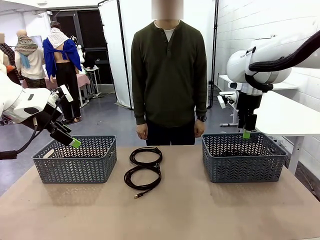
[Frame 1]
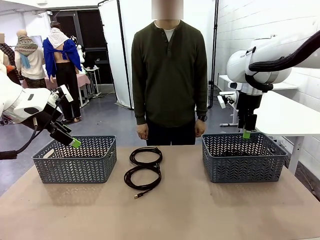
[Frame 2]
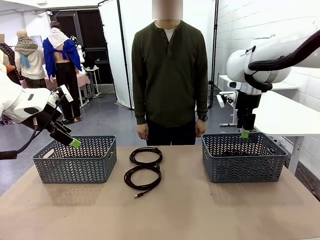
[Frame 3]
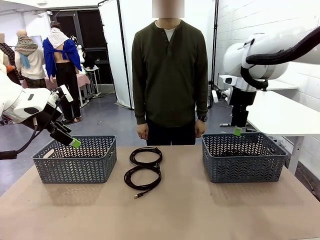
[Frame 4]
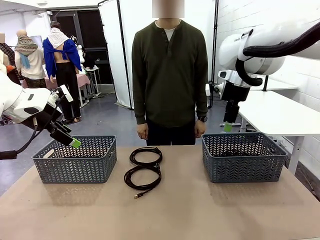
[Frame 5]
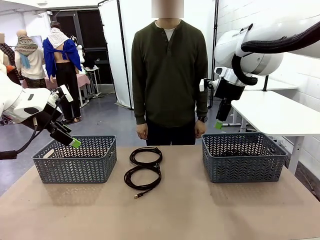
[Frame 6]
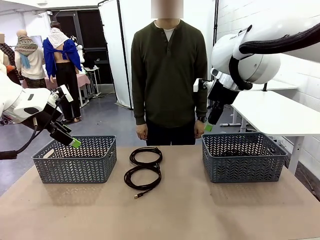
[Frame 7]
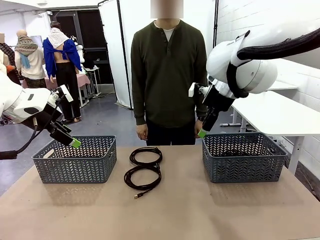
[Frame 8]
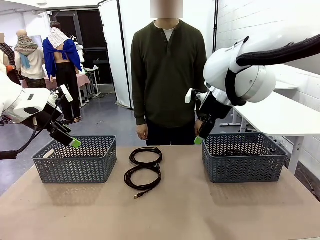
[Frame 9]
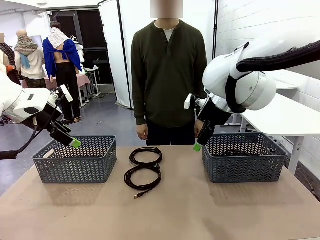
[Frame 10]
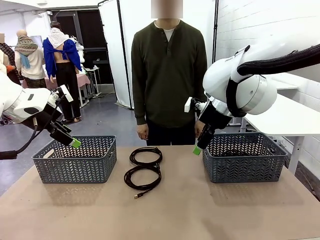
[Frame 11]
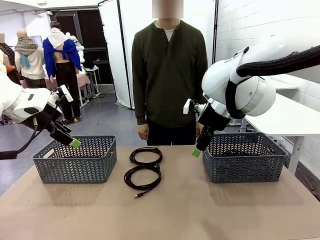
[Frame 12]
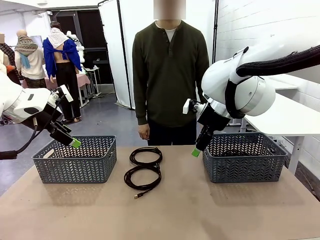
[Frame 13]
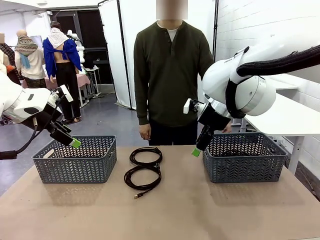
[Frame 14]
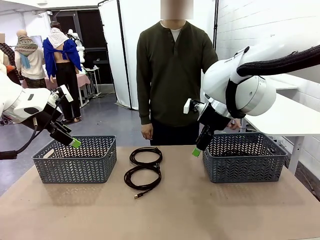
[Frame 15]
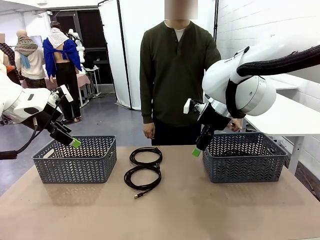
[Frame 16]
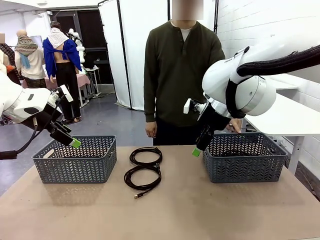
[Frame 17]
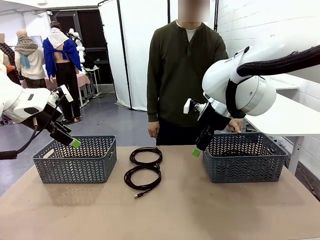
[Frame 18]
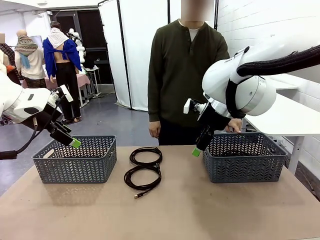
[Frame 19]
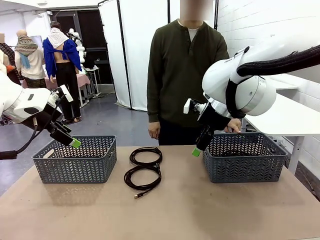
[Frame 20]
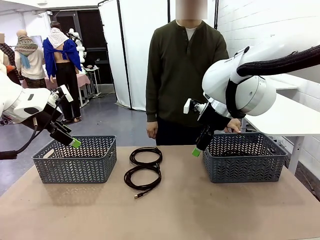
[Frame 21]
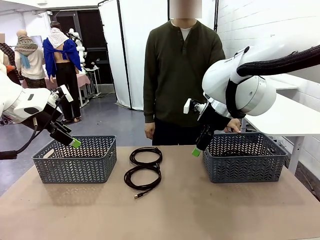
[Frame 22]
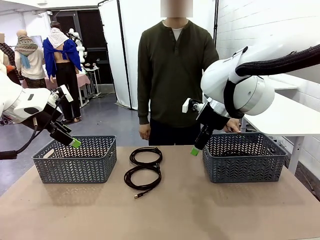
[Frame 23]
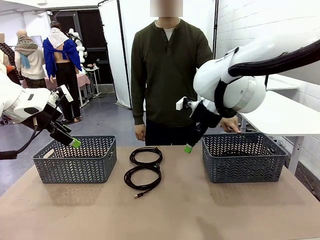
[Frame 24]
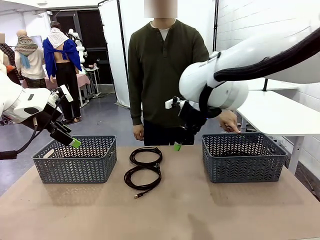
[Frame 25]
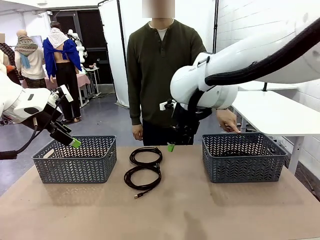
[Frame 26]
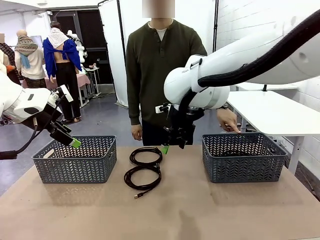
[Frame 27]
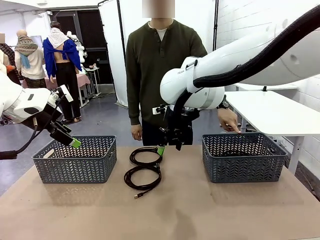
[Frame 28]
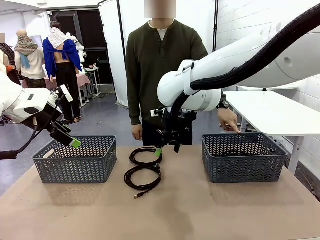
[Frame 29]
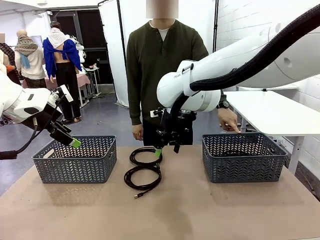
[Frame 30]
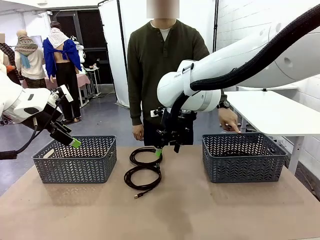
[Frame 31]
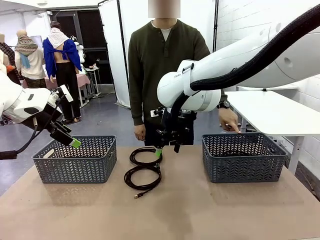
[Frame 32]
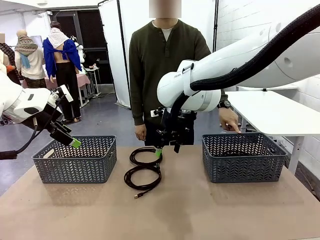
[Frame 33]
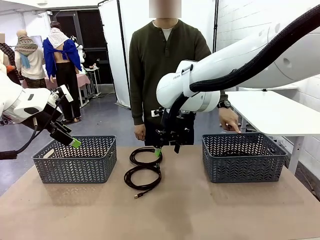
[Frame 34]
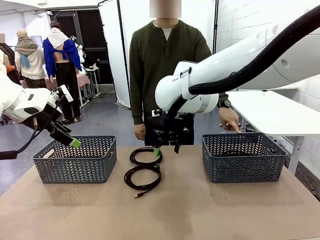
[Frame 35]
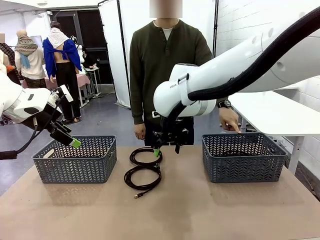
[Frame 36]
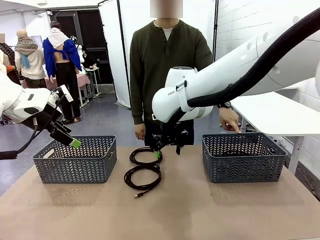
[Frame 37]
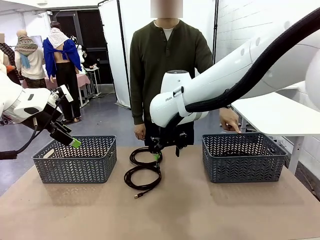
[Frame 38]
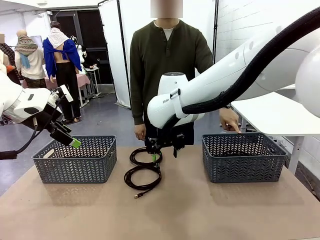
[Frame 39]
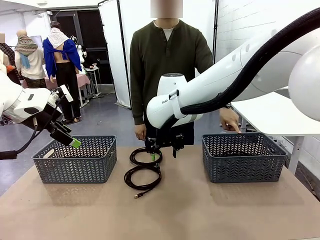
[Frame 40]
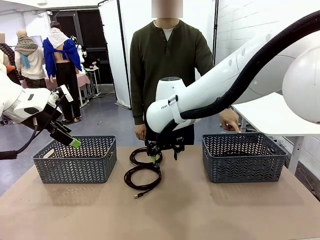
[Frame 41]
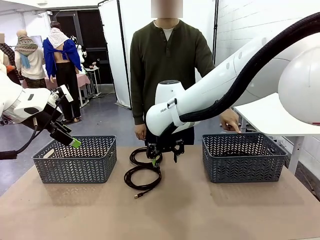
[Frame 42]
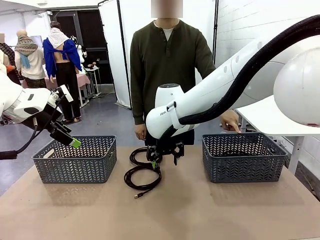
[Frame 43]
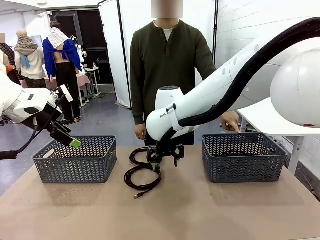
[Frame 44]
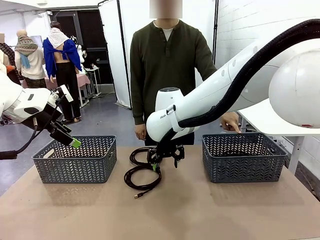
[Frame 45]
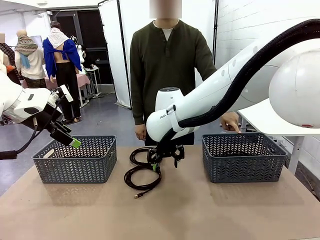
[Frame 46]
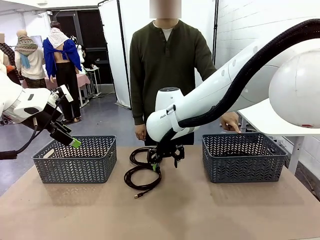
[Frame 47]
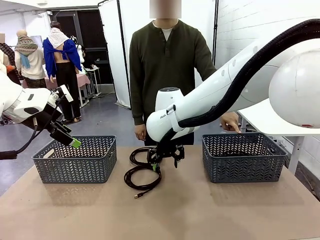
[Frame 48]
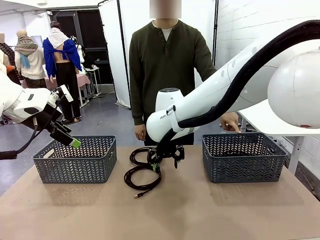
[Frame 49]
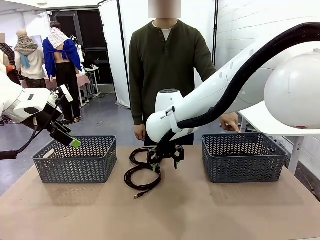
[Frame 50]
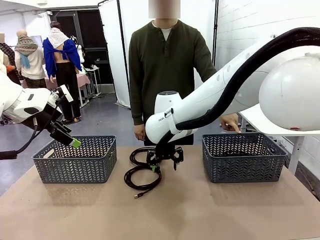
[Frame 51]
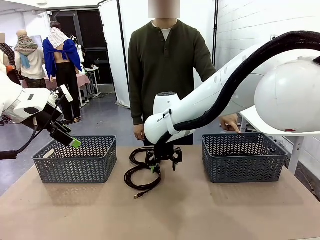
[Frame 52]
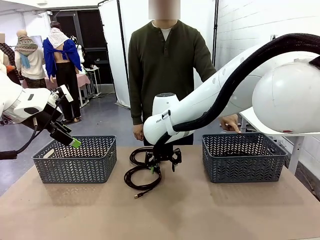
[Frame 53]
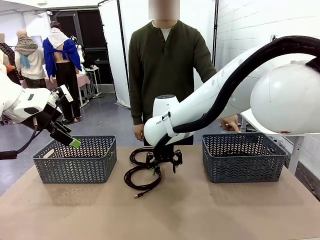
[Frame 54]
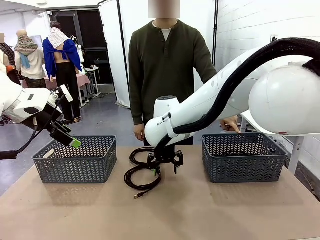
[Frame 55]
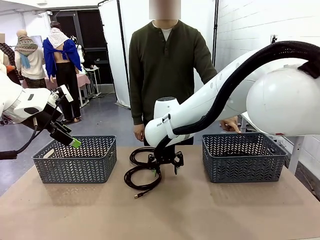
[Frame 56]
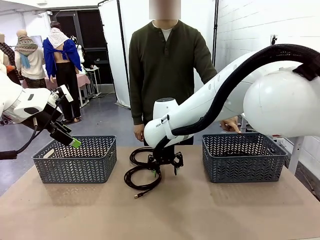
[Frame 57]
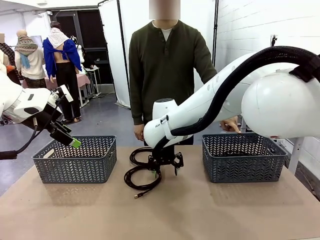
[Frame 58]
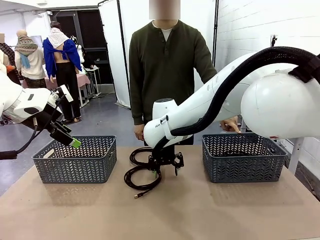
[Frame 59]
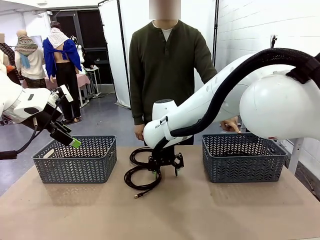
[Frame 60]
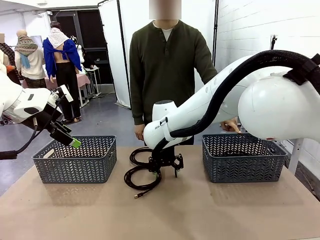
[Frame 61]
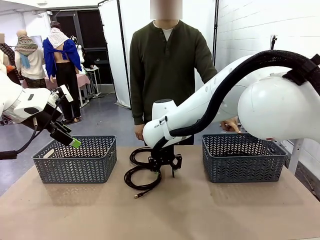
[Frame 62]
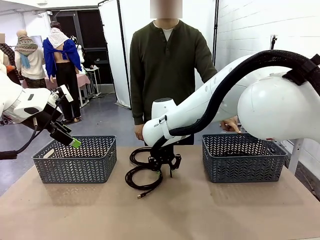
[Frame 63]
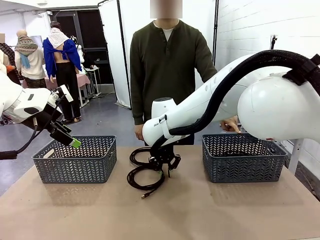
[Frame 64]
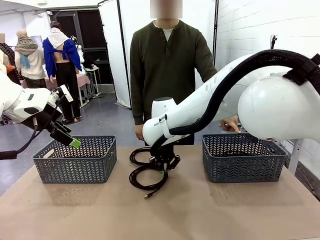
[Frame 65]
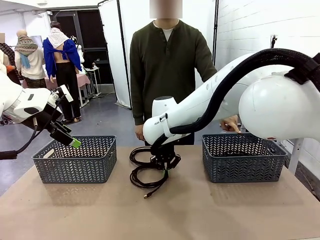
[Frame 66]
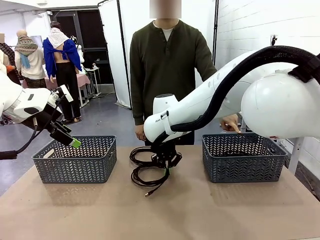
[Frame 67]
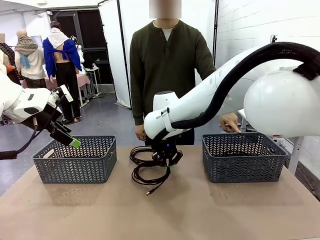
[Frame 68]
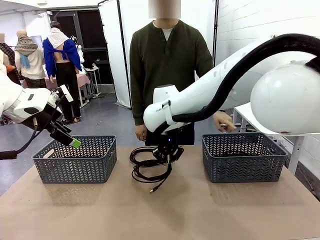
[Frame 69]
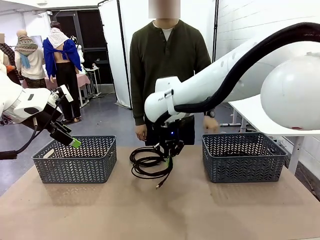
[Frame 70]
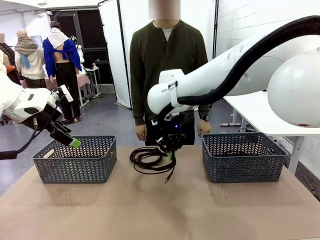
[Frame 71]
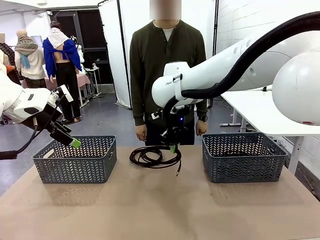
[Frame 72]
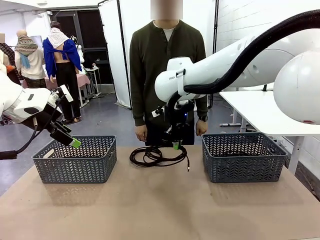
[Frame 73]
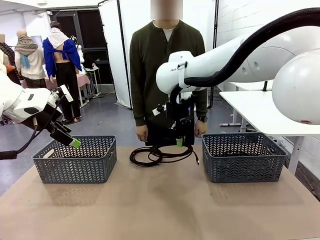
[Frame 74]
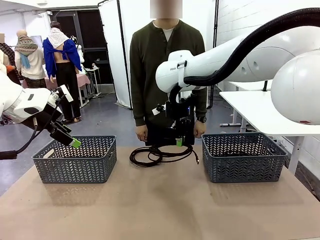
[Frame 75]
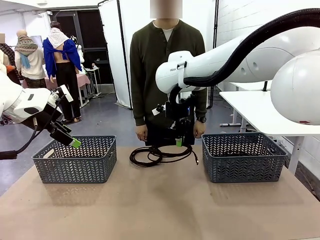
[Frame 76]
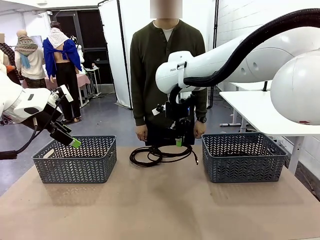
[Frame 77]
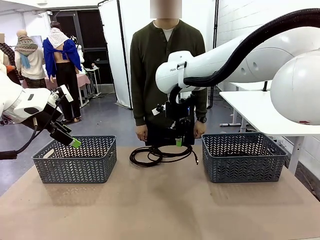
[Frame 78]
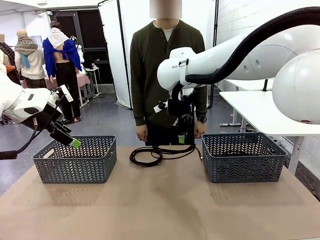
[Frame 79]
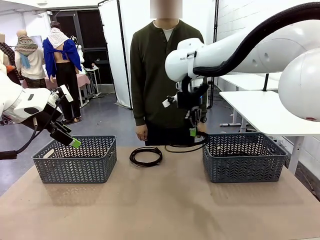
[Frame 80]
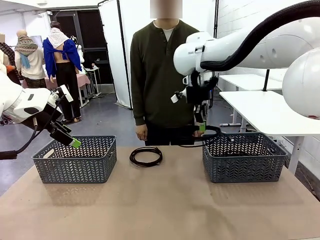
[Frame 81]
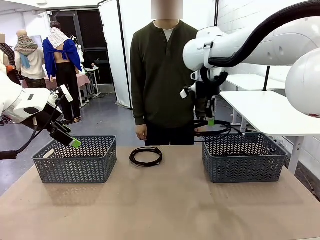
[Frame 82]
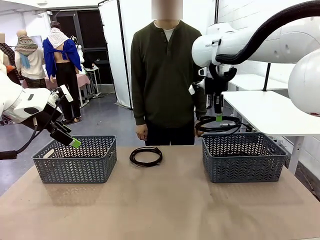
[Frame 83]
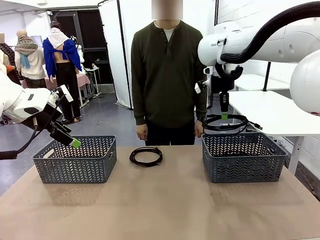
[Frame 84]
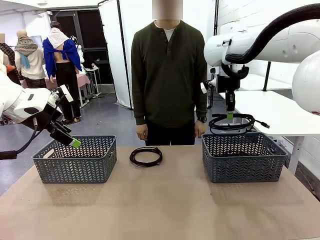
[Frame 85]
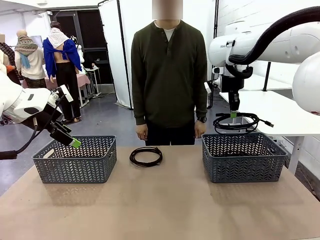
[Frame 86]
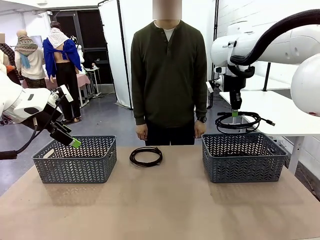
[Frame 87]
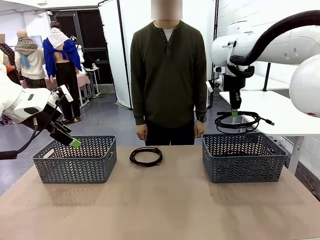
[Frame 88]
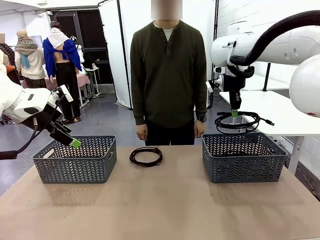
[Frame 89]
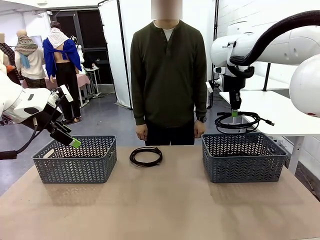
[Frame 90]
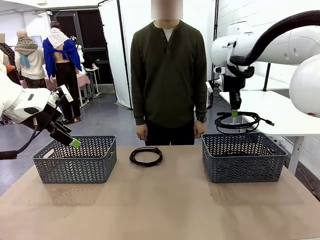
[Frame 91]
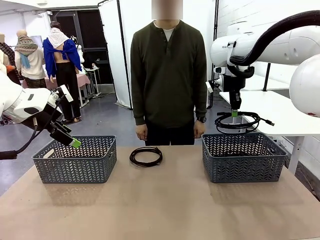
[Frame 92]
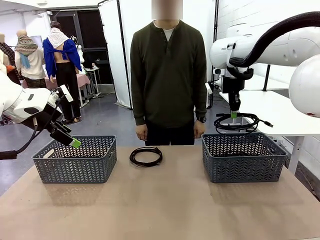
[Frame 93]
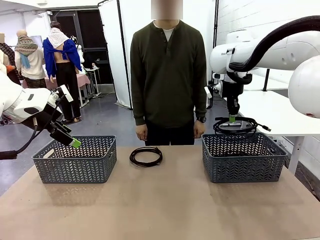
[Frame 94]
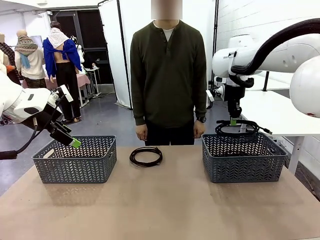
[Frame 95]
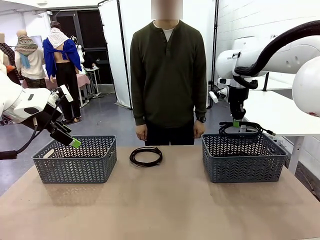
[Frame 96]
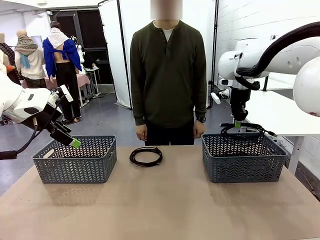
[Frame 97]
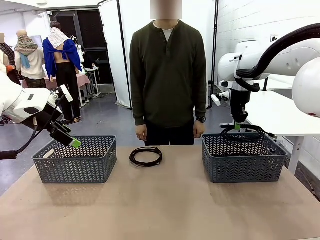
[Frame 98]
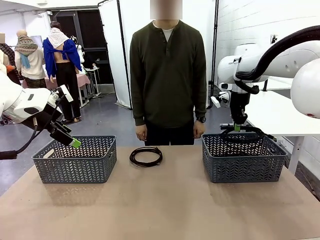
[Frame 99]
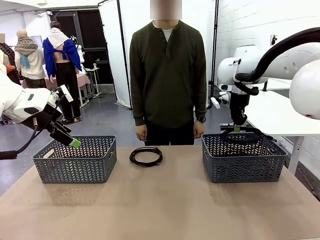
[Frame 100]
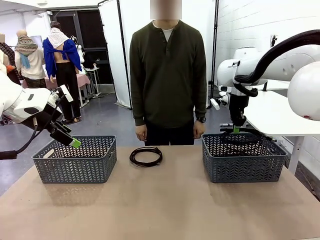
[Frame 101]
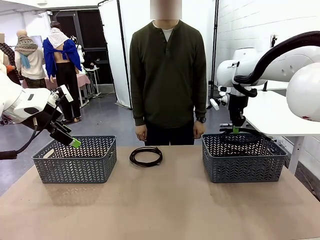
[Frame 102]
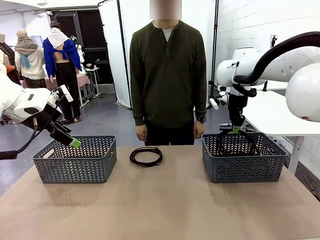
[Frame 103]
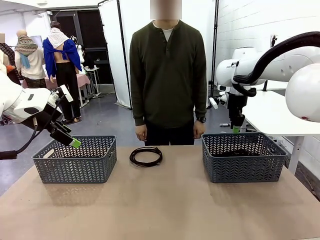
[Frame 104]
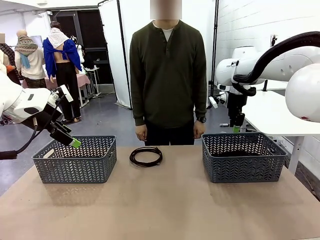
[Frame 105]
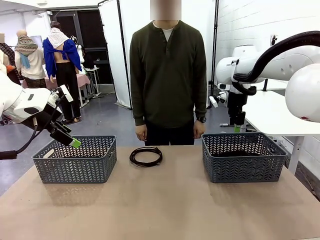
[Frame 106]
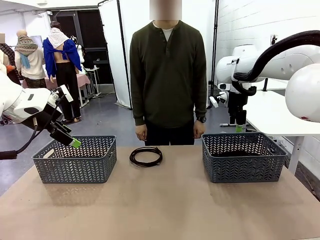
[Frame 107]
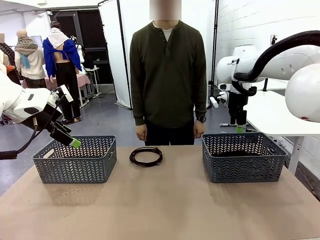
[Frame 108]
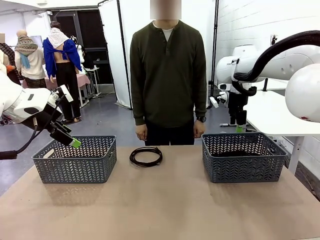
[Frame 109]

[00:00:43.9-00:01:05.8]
Task: Organize the cables according to human instructions.
Robot: Pick up a bundle of cables and place it in the basket indicated by the human.
